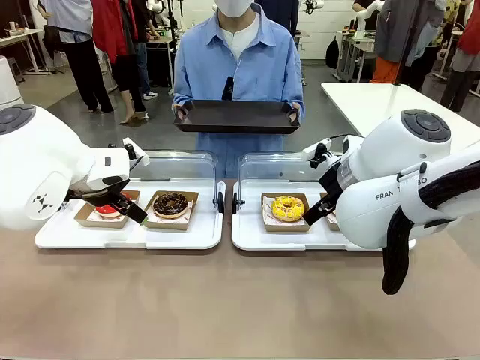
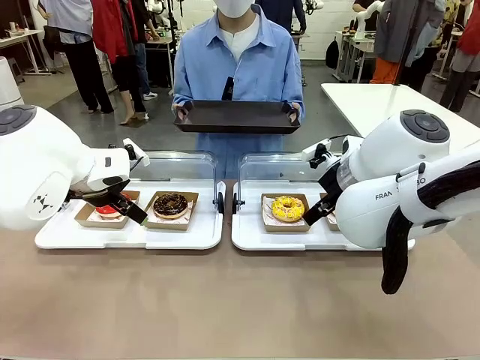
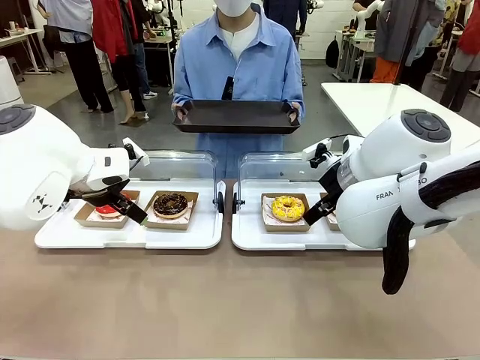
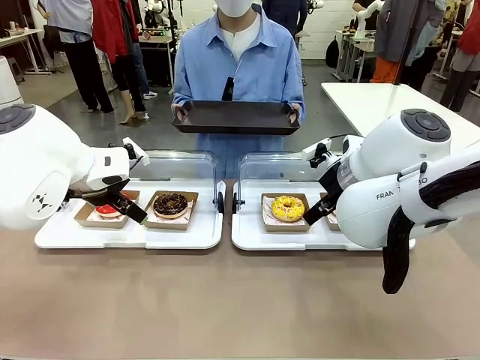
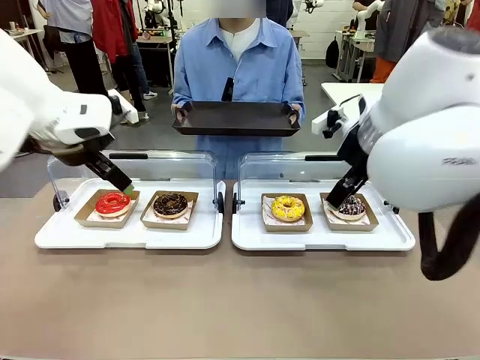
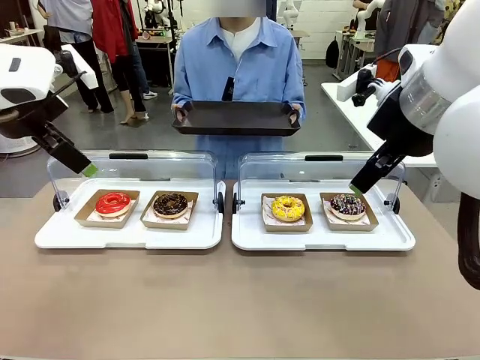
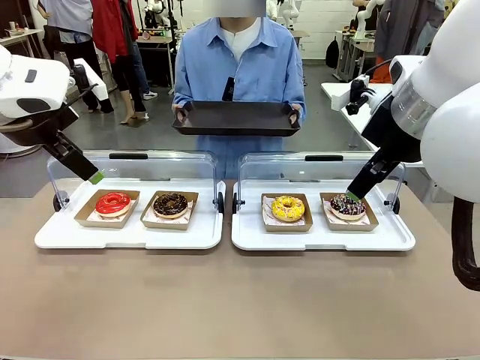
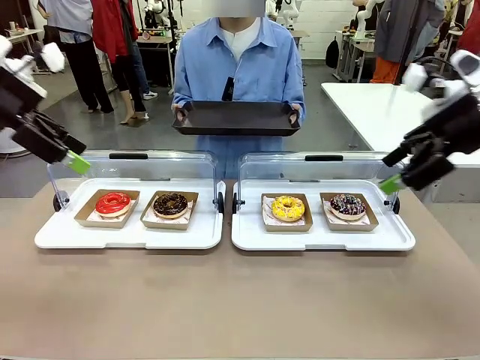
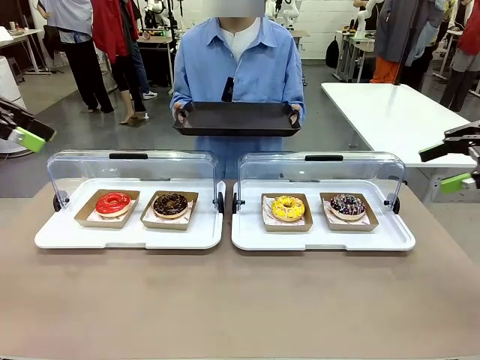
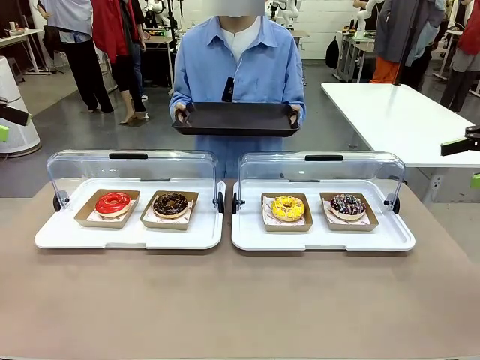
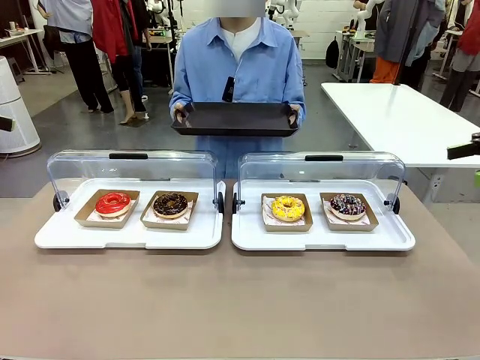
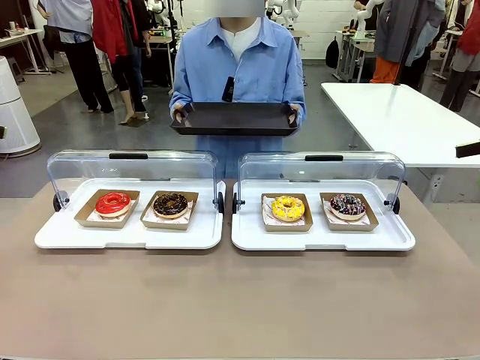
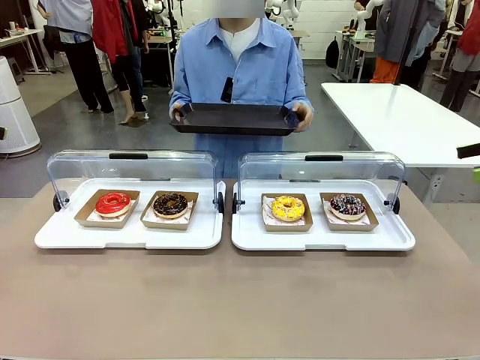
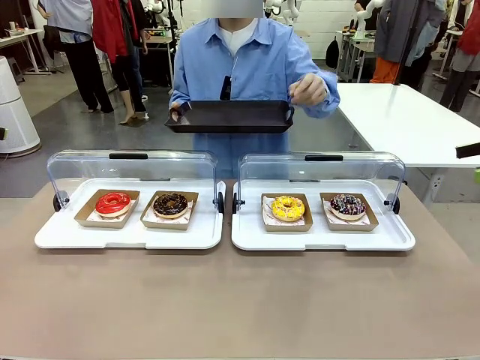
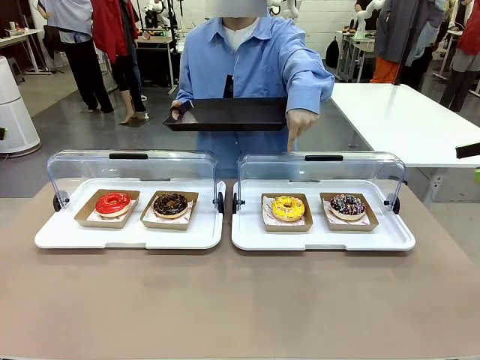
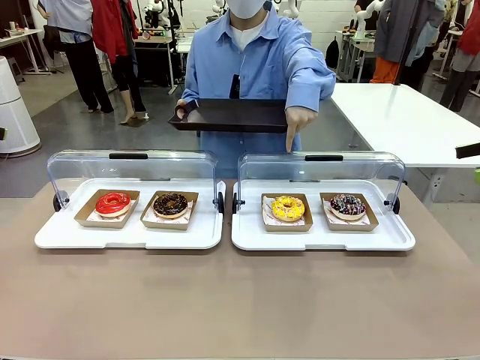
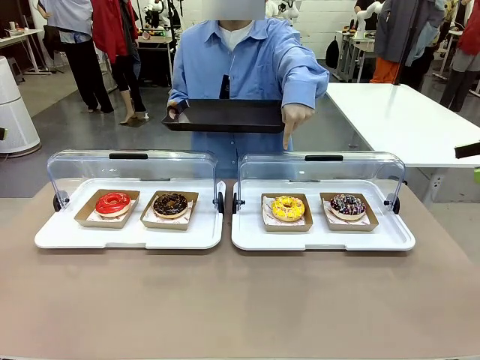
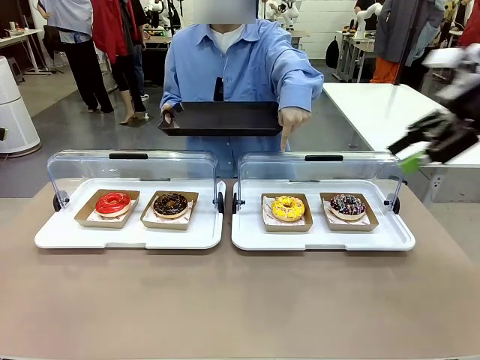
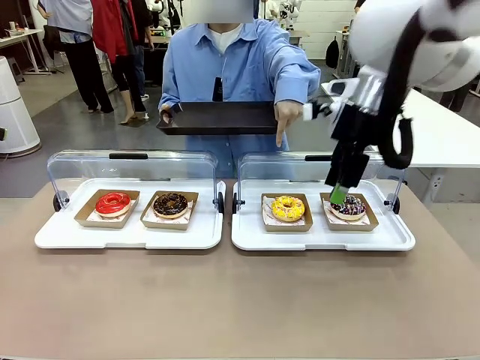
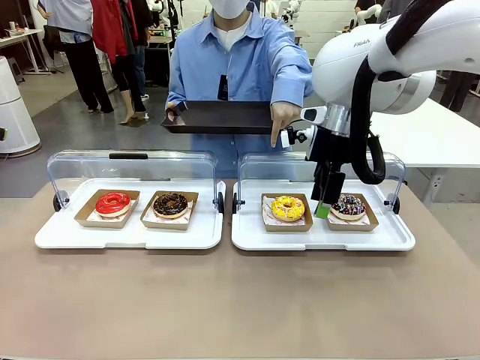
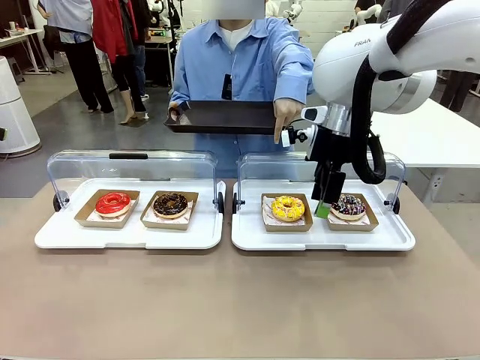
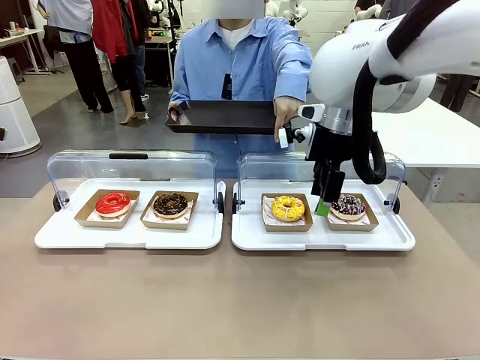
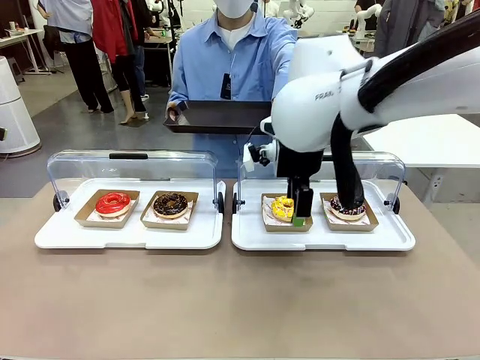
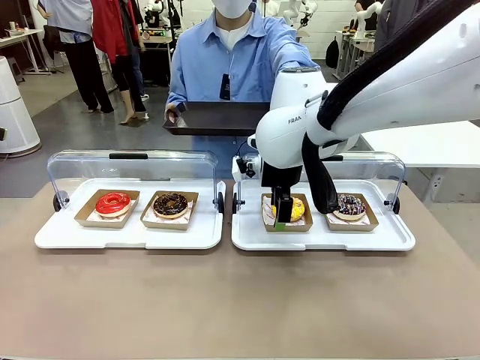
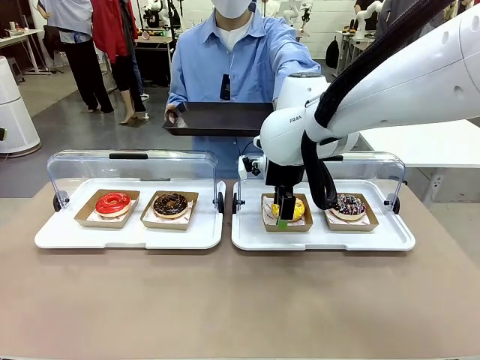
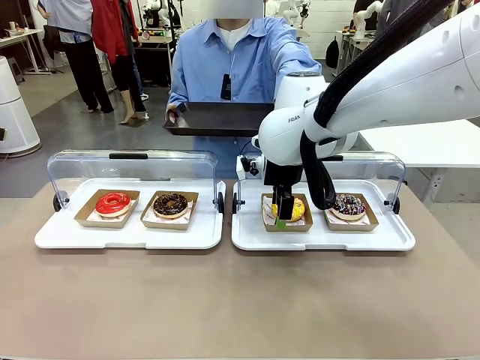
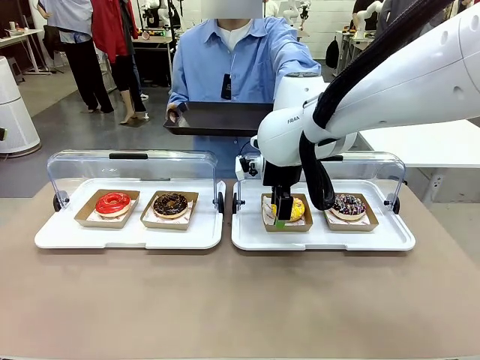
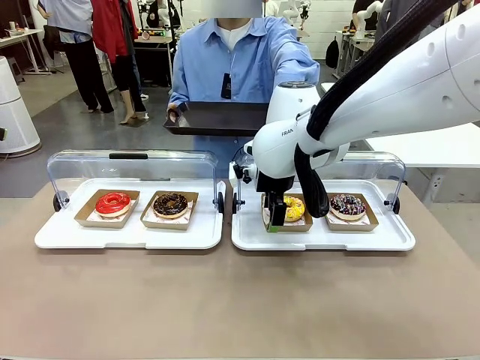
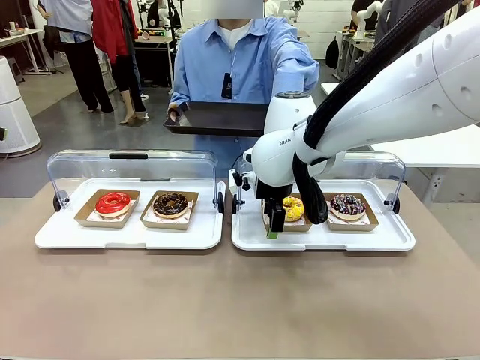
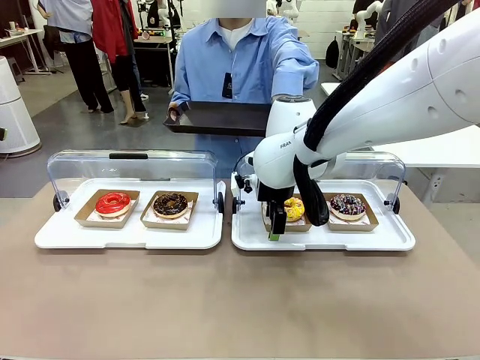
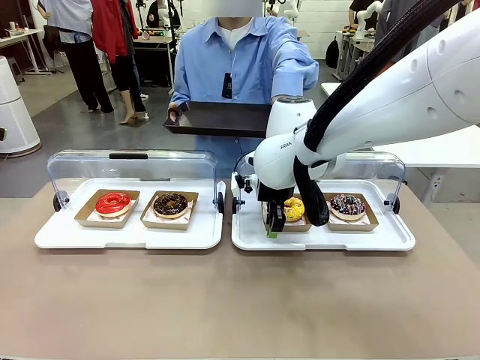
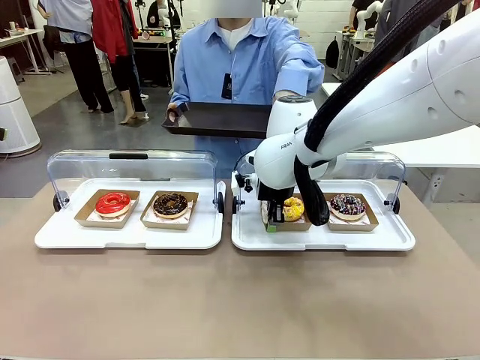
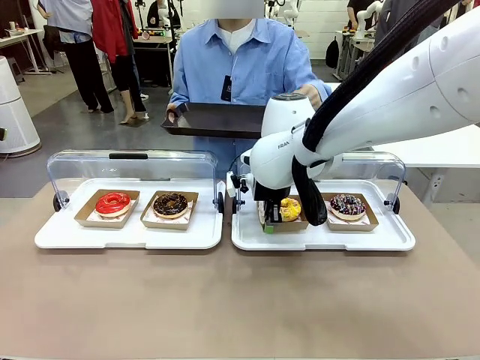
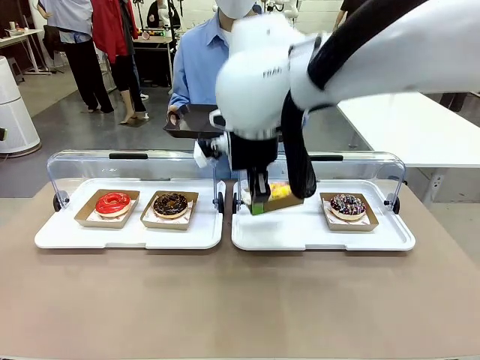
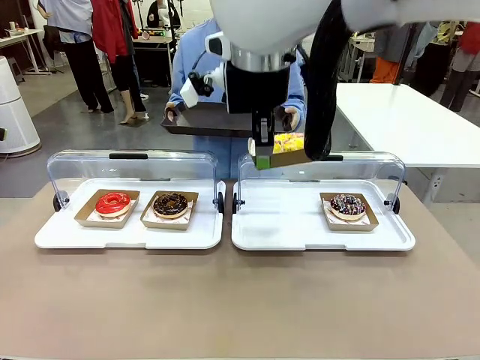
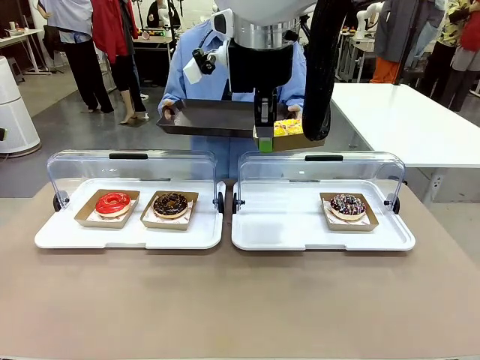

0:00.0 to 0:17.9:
Task: Provide the desired donut to the person.
Robot: Pick up and lift the Paper togo box containing the Donut pointed at by the person.
Person: Point to one donut. Lift the tray onto the Roll-Top Bakery Case.

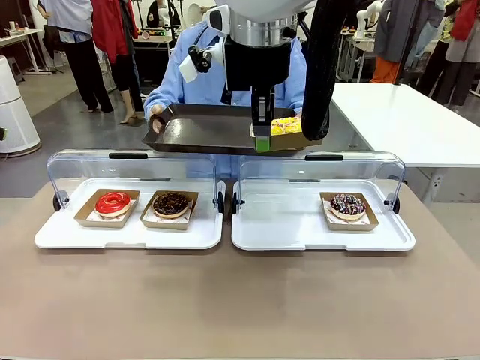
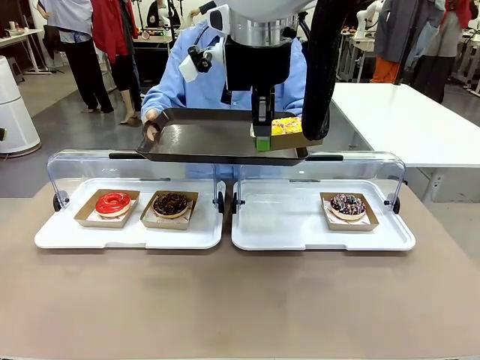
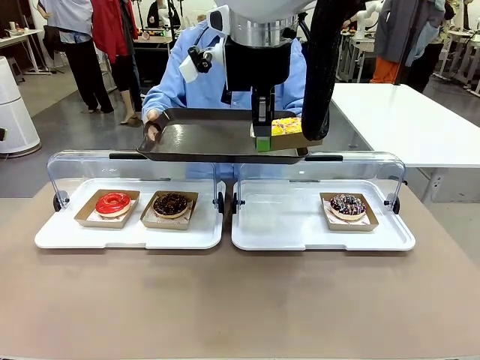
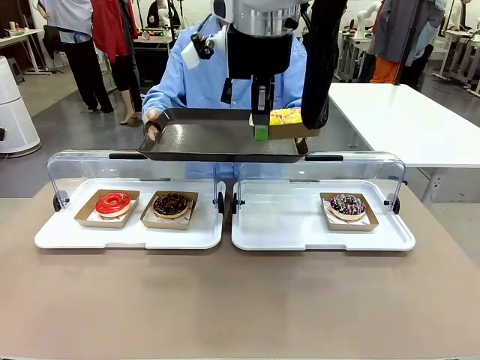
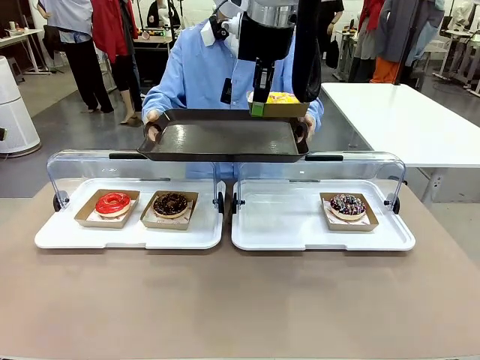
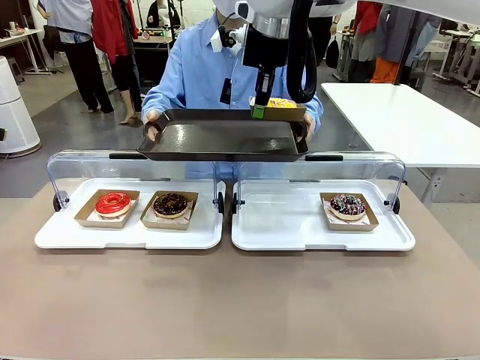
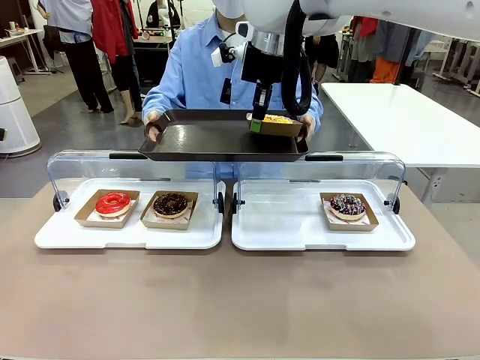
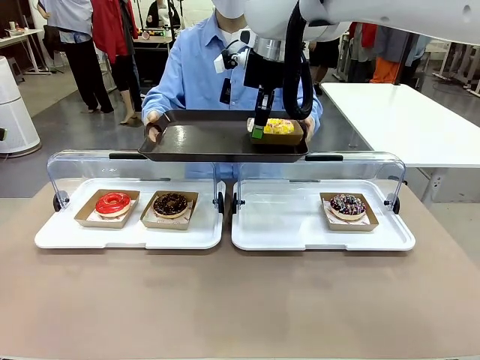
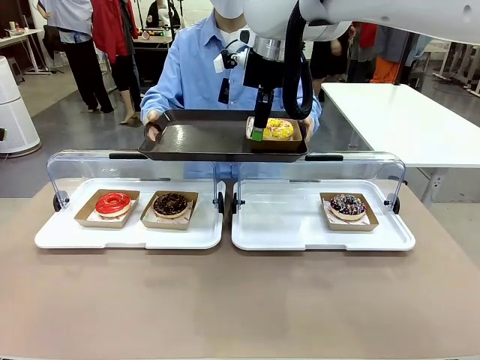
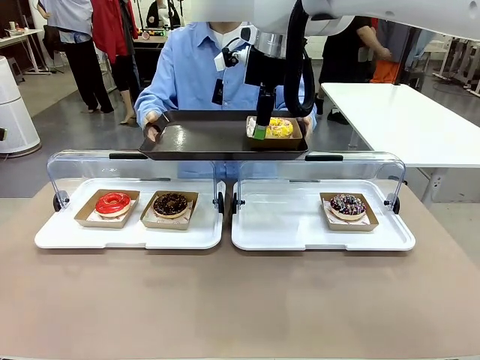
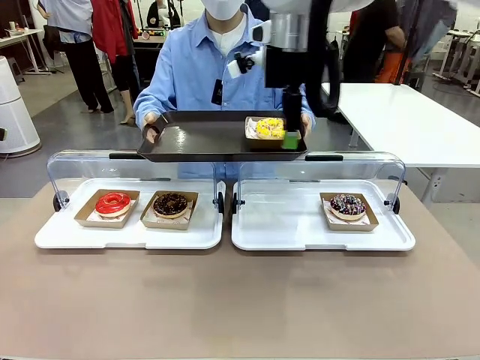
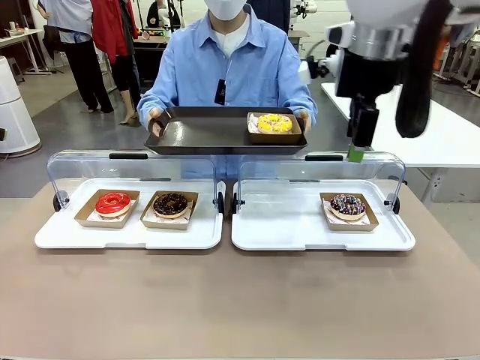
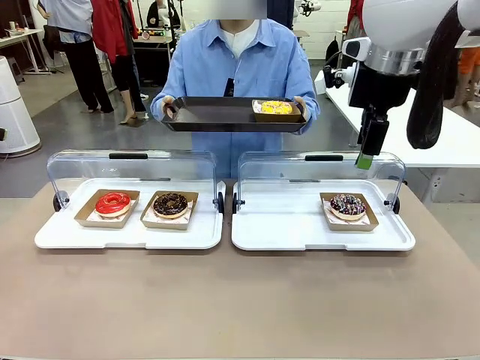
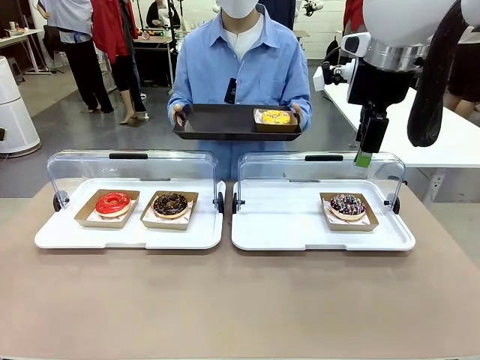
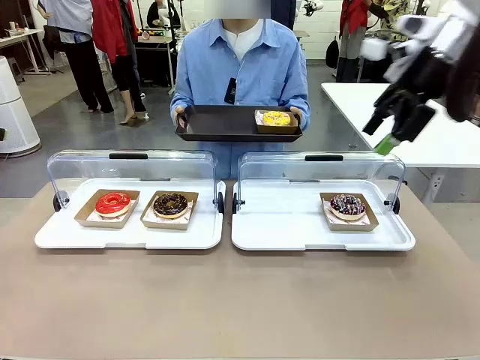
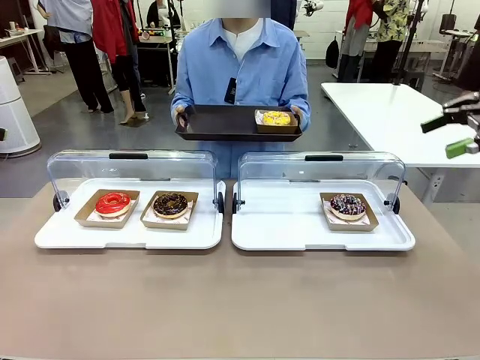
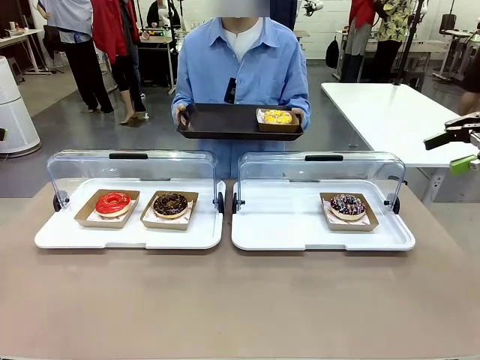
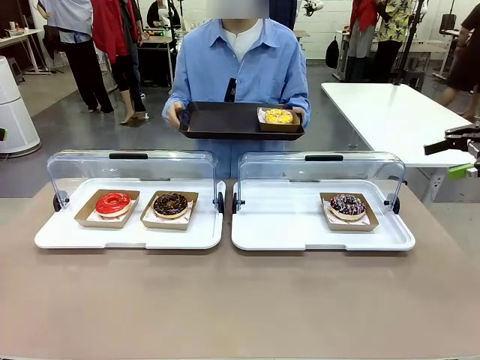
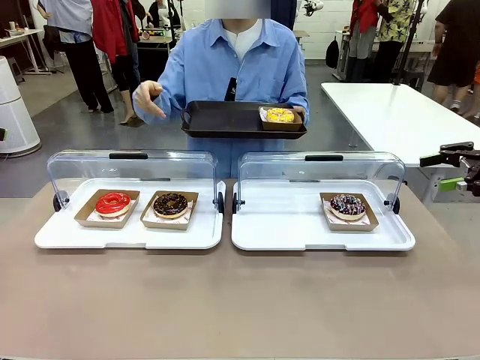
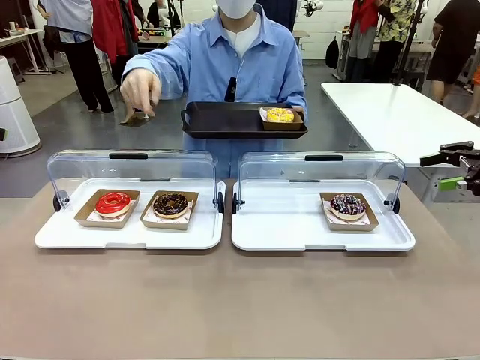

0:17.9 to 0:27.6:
Robot: Place the picked Paper togo box onto the Handle tray extended by the person.
Person: Point to one donut.
